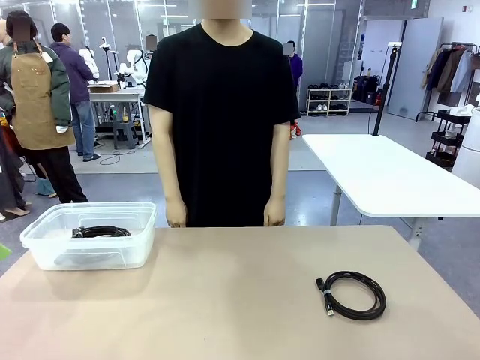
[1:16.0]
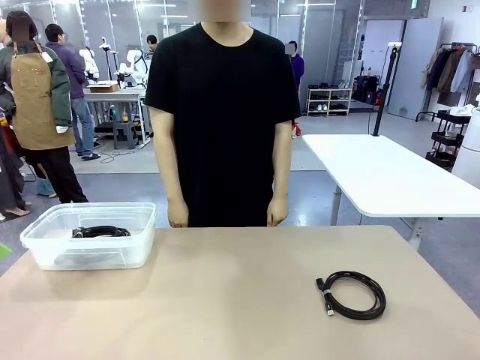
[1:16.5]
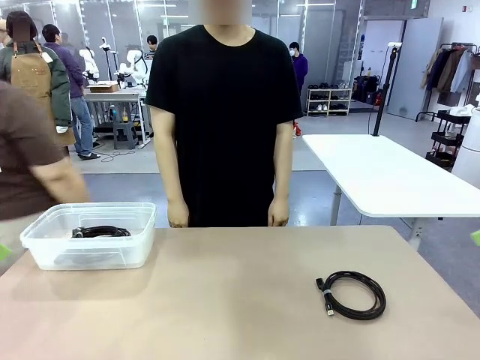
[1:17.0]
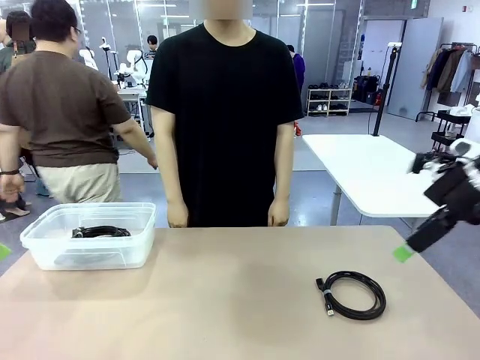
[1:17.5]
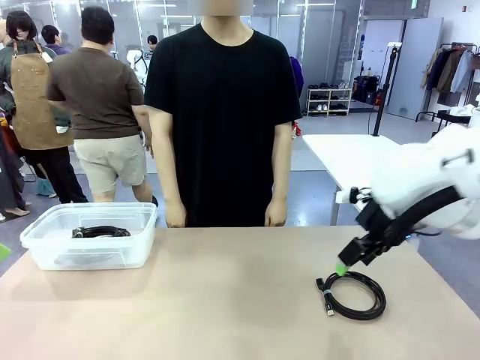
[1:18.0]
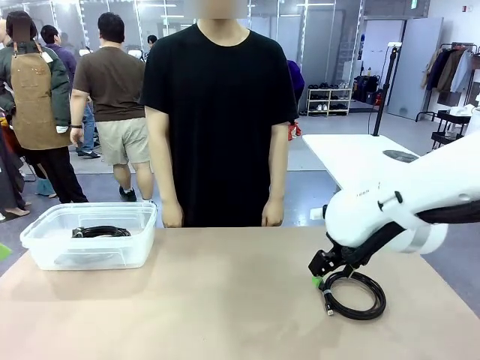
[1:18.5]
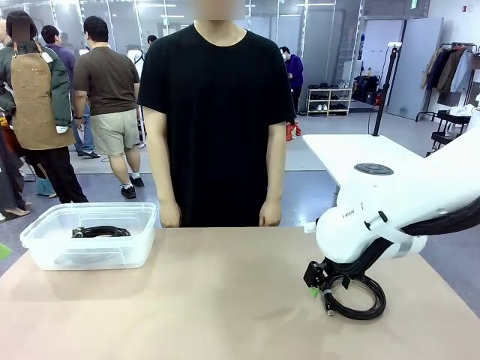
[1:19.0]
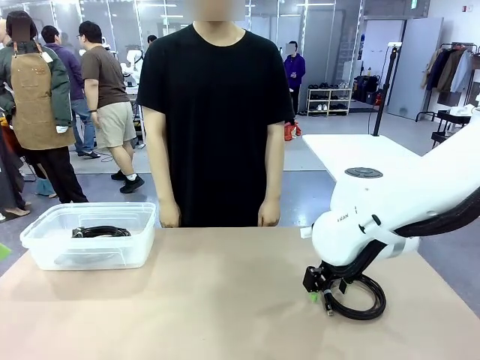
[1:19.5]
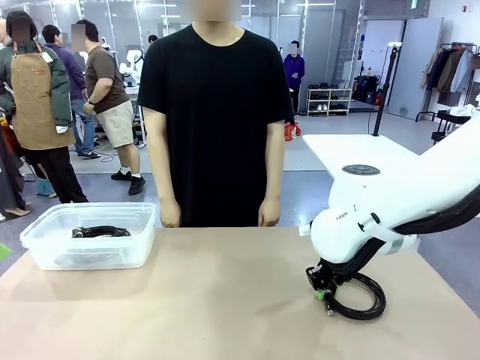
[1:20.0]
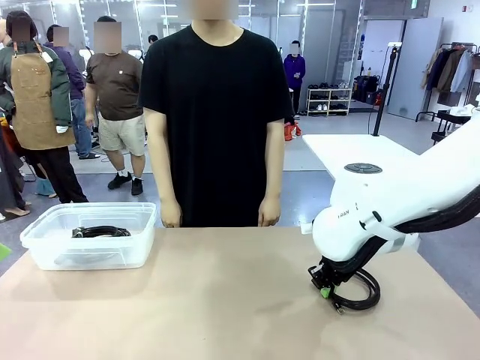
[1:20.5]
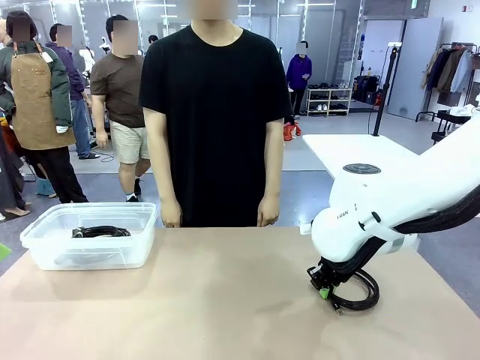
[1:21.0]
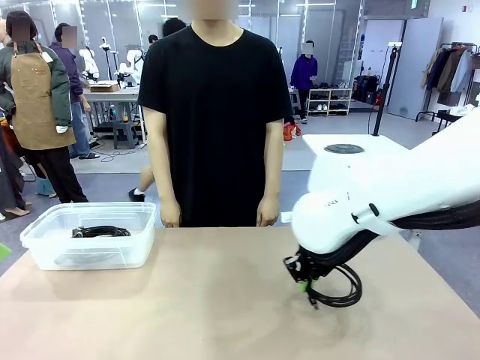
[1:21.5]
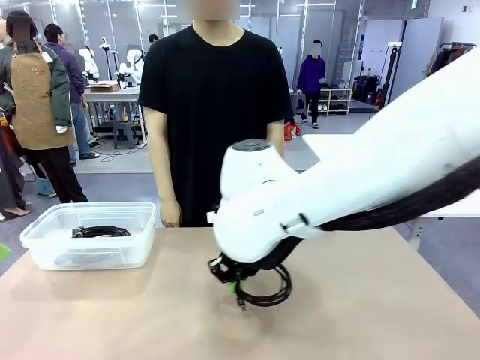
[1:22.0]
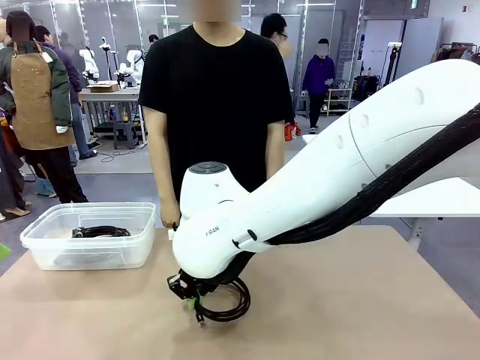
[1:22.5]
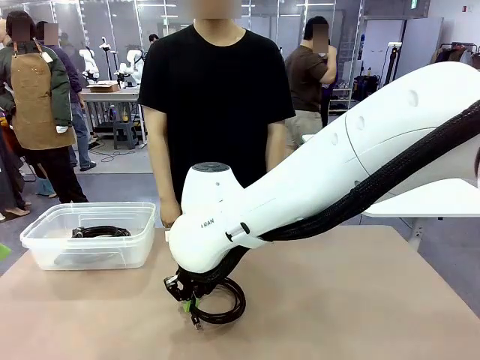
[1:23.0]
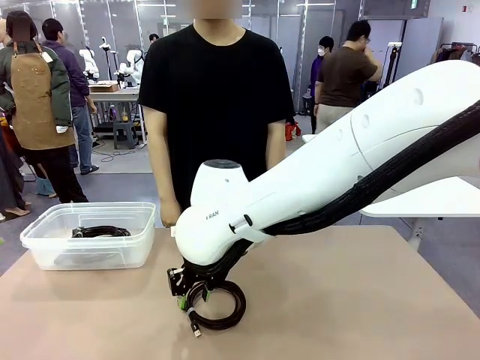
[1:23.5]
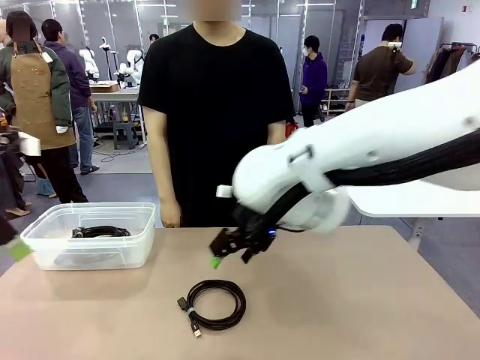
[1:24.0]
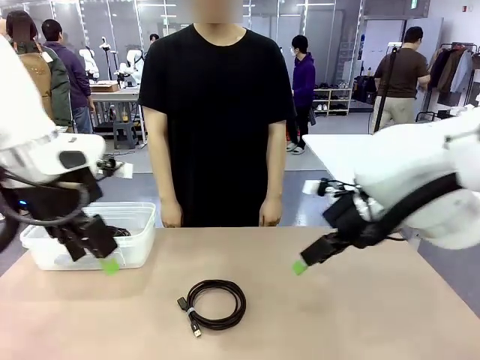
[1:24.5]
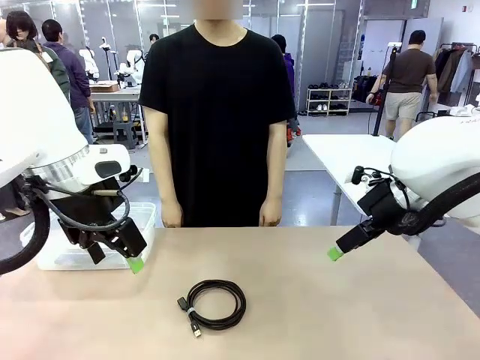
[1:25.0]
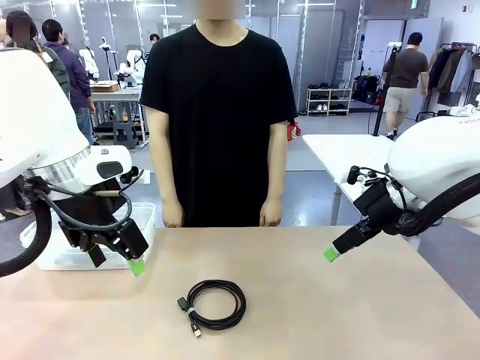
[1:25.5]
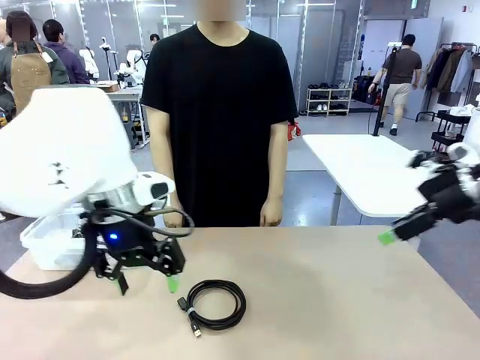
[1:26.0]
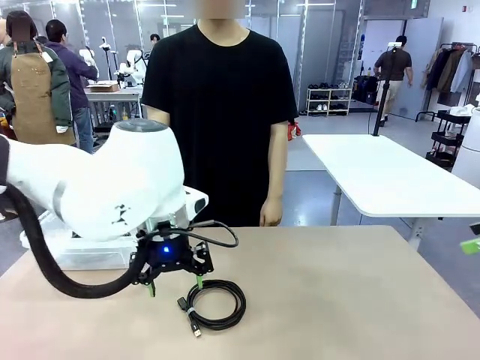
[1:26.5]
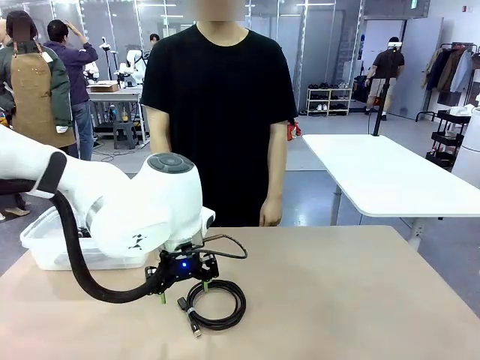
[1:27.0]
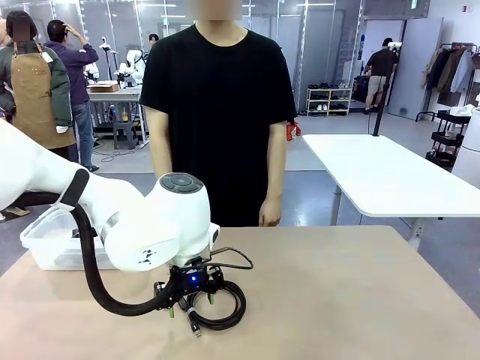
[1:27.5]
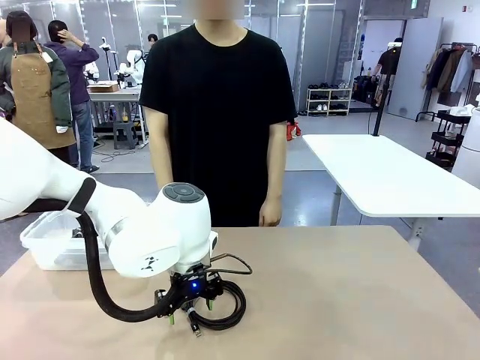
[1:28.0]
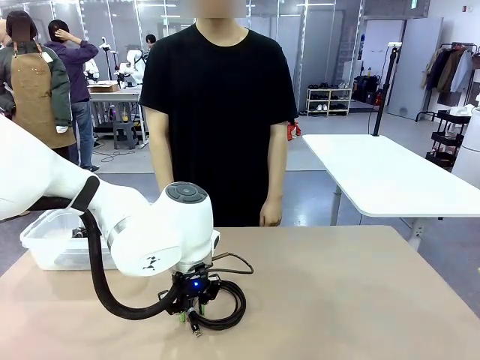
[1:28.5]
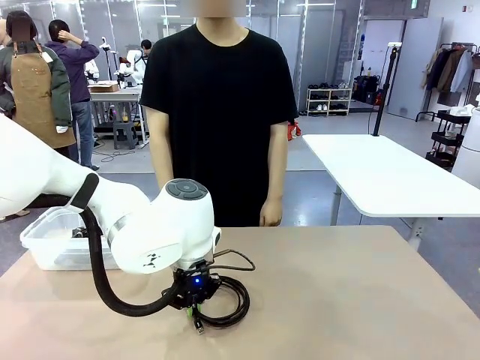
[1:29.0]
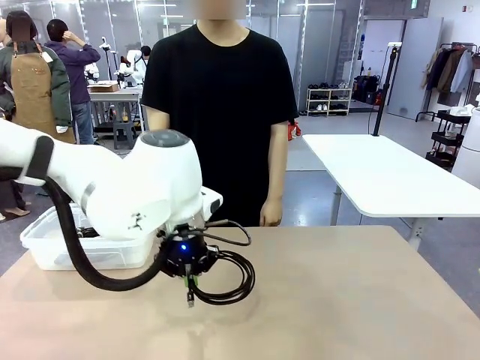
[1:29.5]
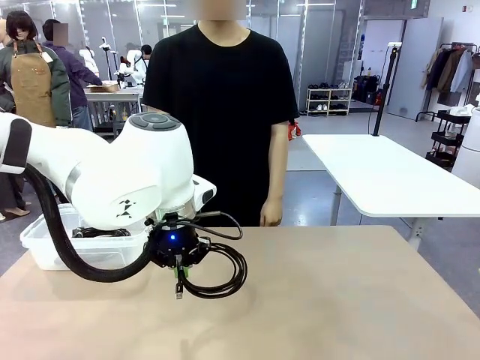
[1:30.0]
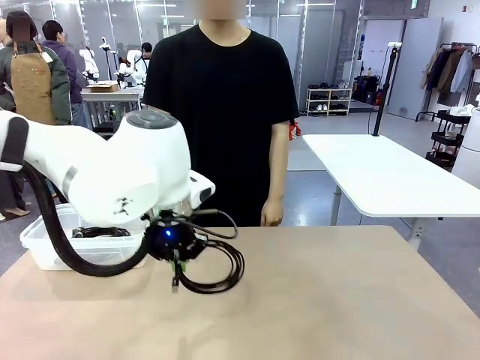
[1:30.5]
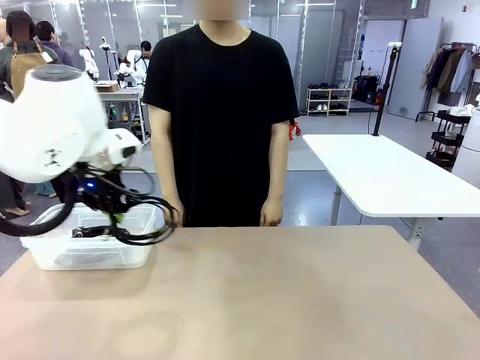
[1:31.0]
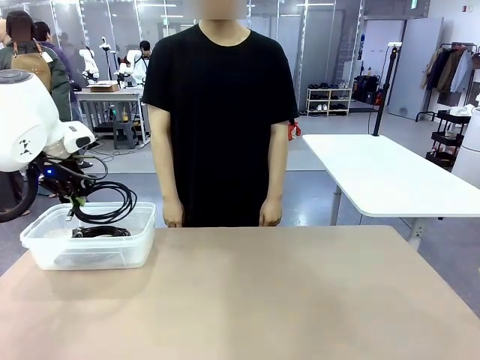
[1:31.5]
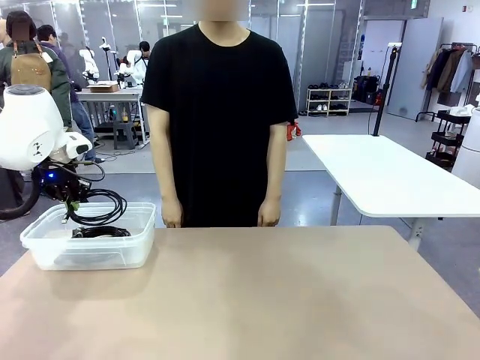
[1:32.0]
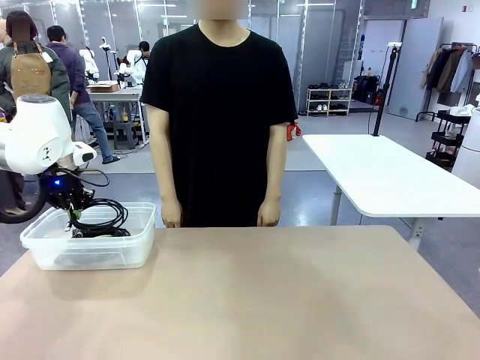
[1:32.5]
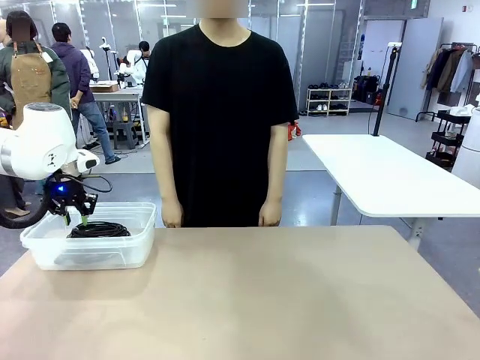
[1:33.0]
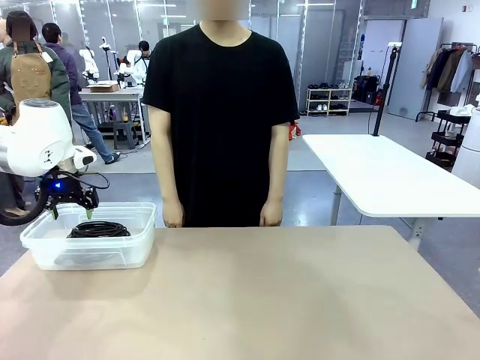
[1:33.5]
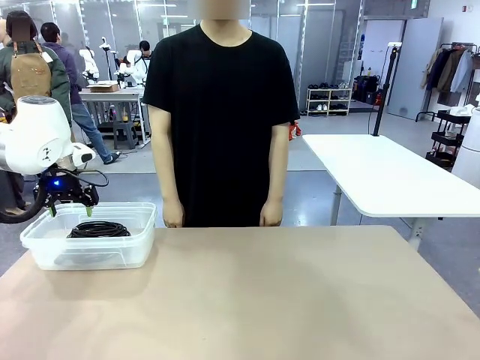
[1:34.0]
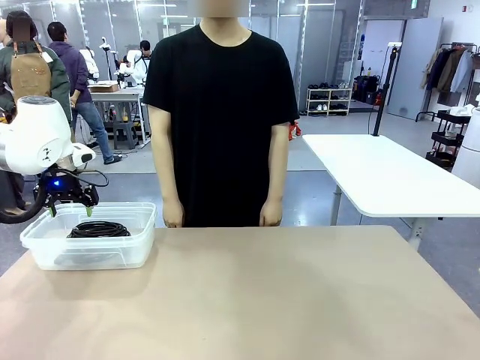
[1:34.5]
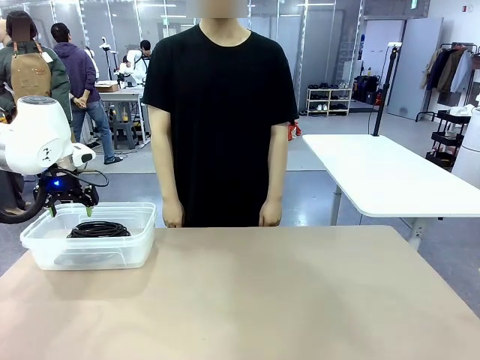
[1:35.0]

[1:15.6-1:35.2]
Task: Organize and store the cables.
Robot: Place the USB Extension Cable into the Organizing box.

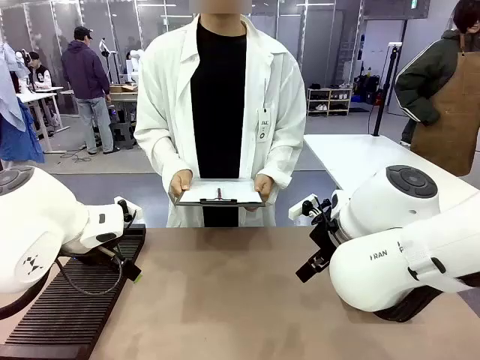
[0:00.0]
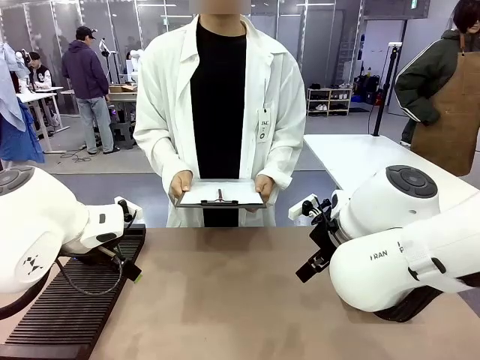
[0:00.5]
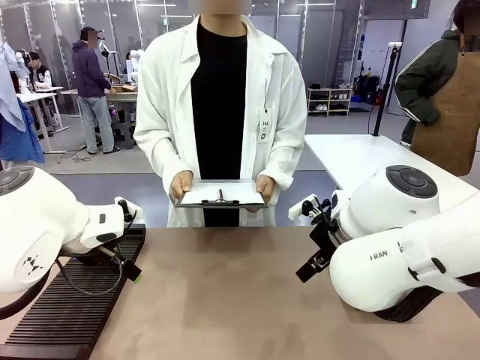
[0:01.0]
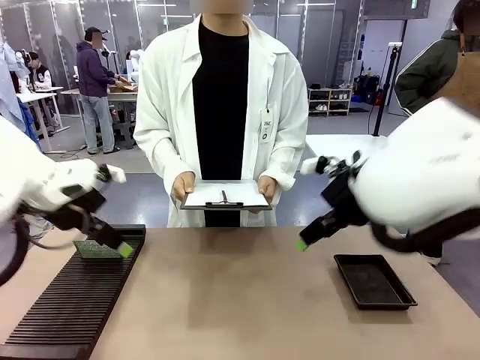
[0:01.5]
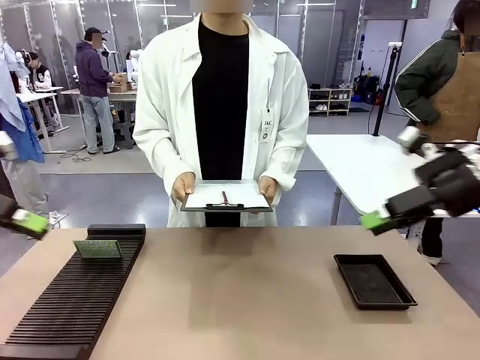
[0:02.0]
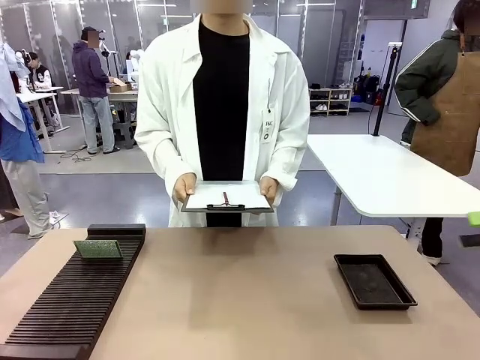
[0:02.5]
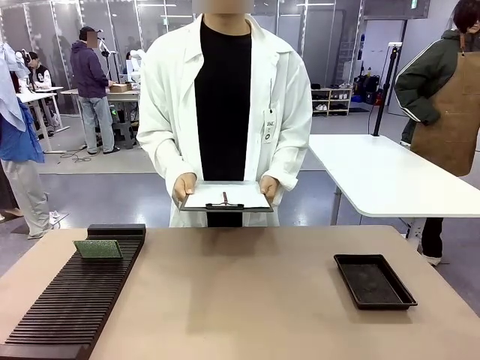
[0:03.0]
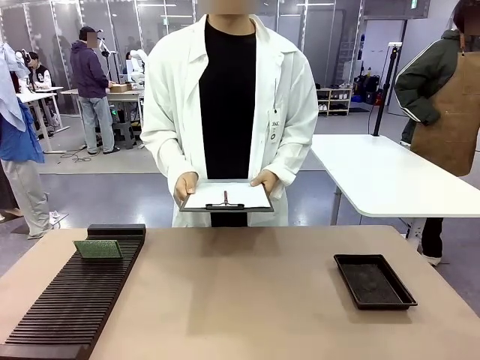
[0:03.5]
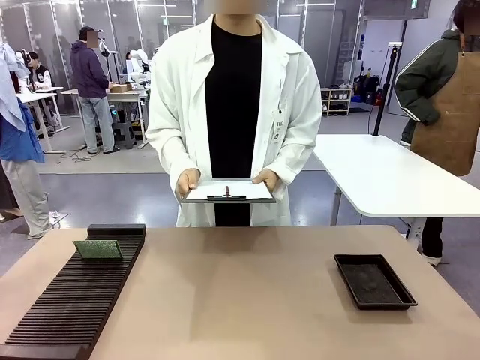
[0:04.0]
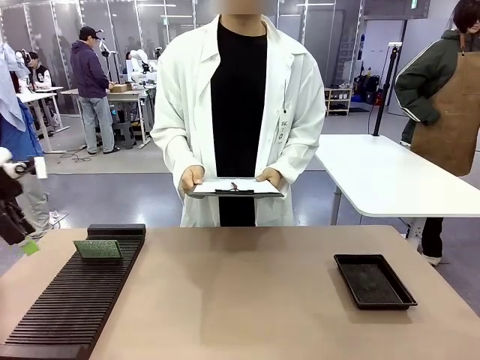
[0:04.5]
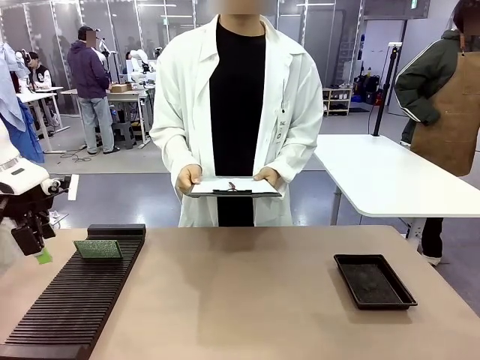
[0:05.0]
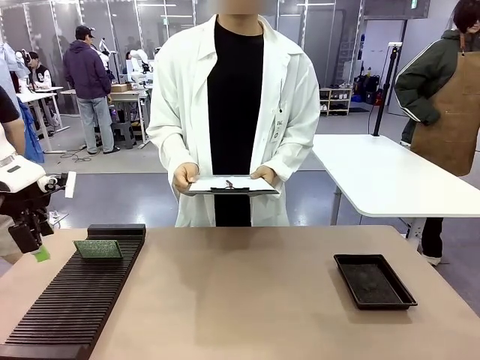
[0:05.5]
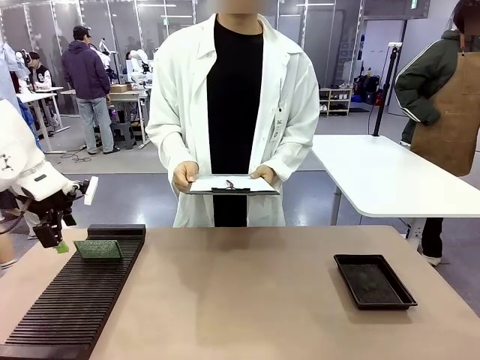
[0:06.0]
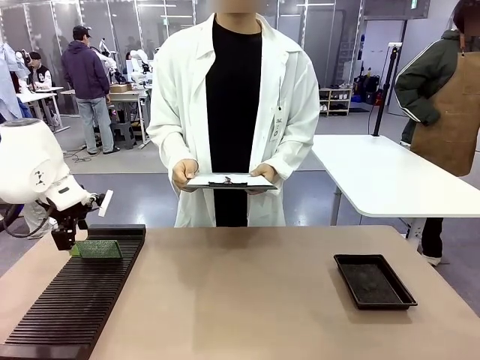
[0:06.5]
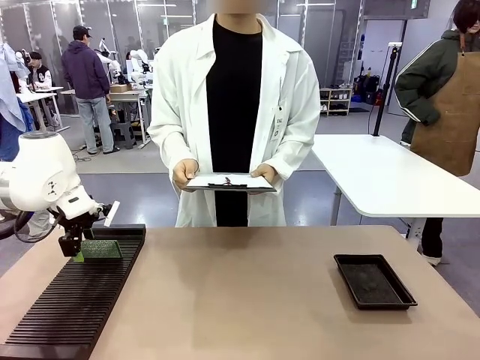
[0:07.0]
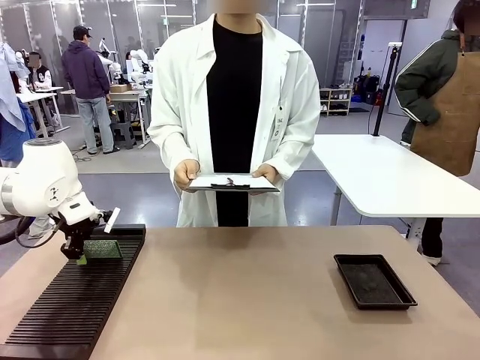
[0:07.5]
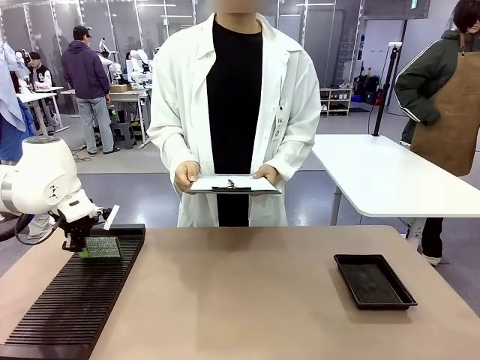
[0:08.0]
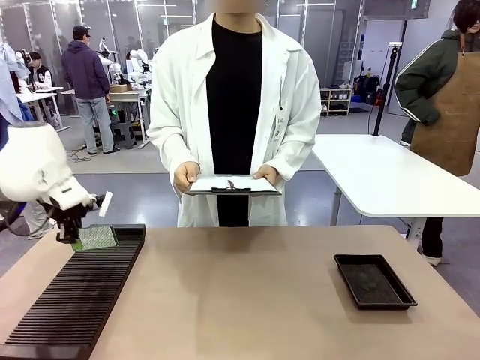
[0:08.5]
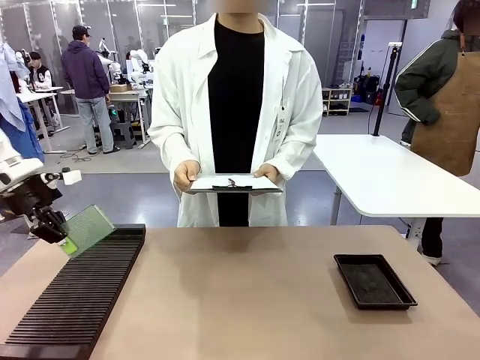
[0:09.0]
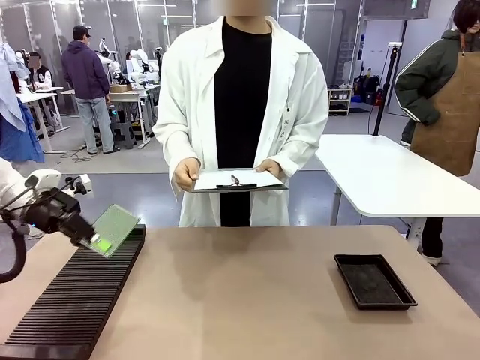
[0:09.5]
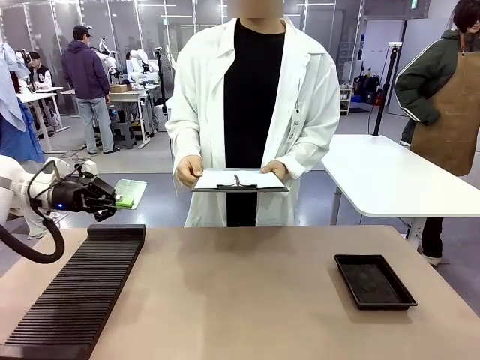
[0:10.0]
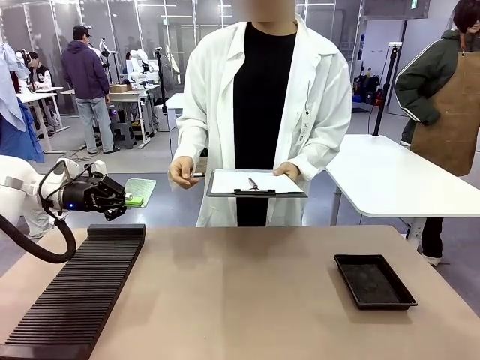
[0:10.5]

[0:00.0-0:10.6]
Task: Inspect the PCB.
Robot: Pick up the Blank PCB and present it to the human.
Person: Pick up the PCB presented by the robot.
